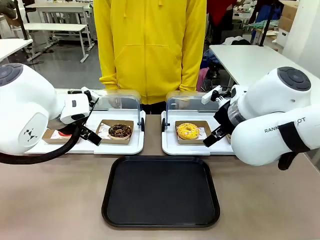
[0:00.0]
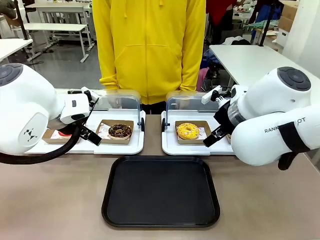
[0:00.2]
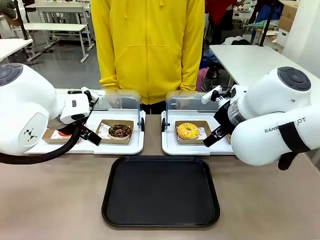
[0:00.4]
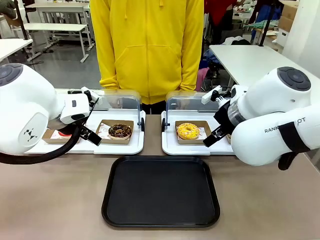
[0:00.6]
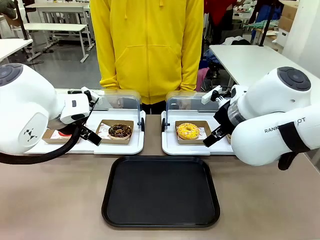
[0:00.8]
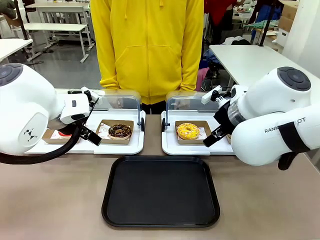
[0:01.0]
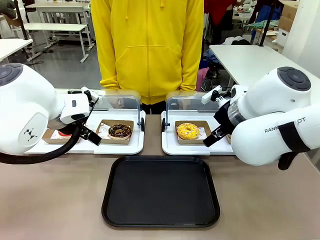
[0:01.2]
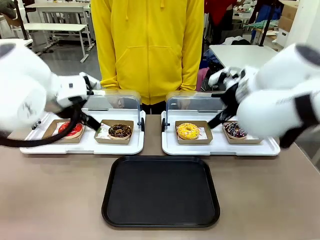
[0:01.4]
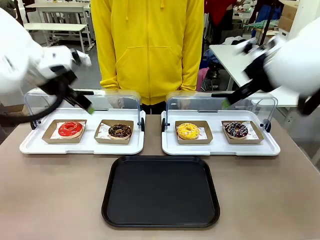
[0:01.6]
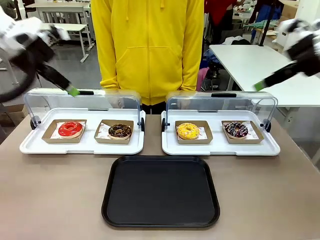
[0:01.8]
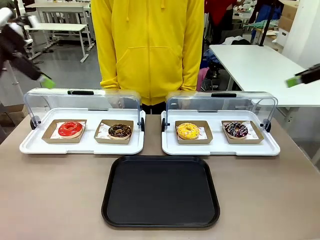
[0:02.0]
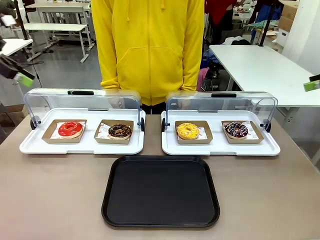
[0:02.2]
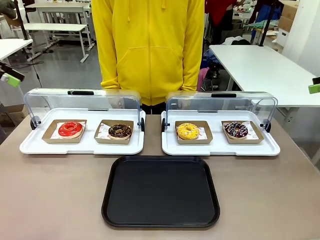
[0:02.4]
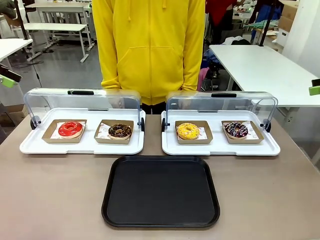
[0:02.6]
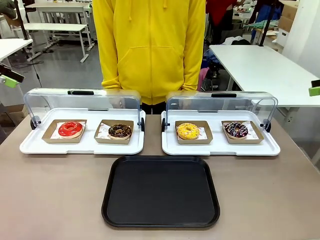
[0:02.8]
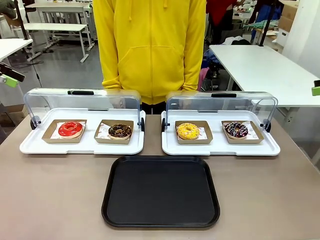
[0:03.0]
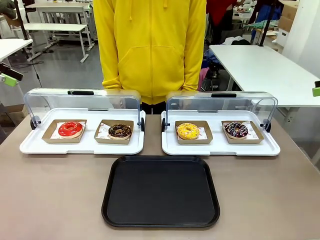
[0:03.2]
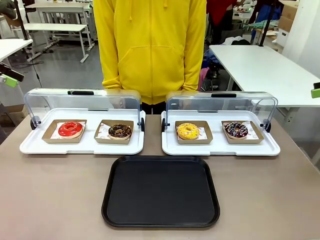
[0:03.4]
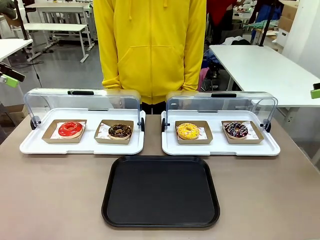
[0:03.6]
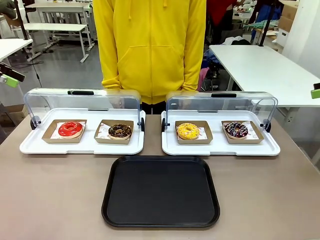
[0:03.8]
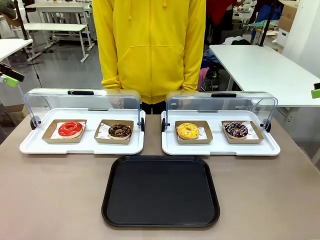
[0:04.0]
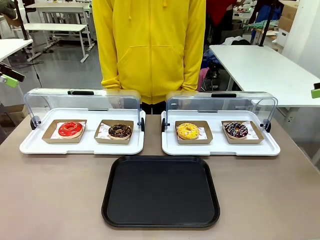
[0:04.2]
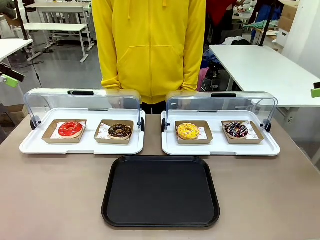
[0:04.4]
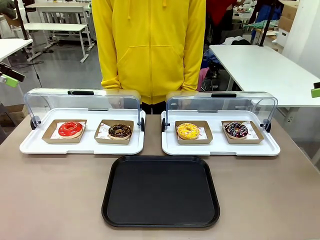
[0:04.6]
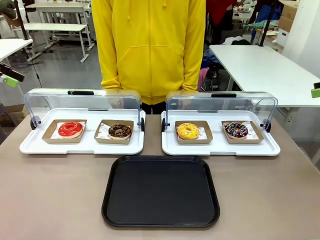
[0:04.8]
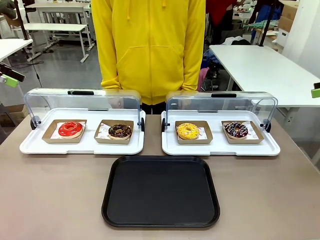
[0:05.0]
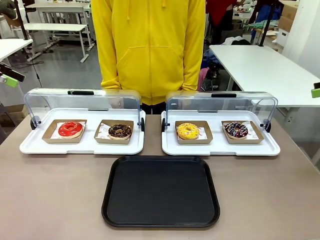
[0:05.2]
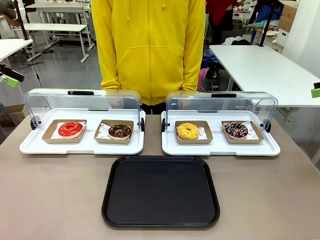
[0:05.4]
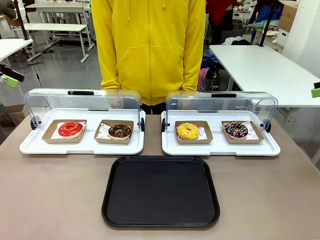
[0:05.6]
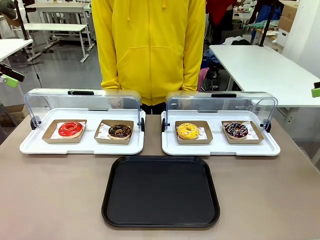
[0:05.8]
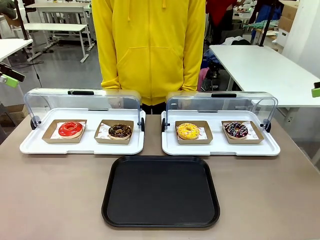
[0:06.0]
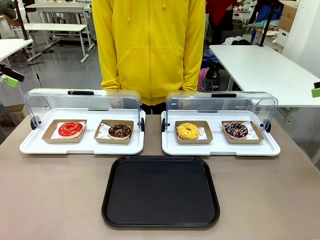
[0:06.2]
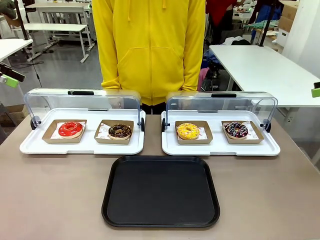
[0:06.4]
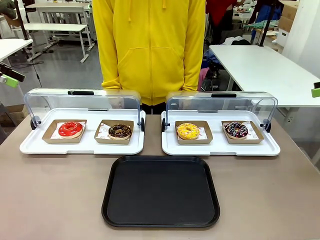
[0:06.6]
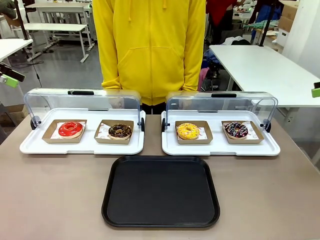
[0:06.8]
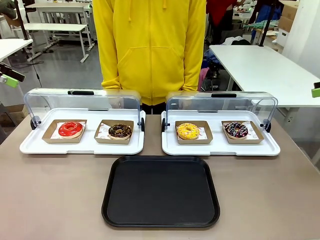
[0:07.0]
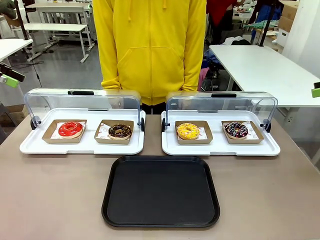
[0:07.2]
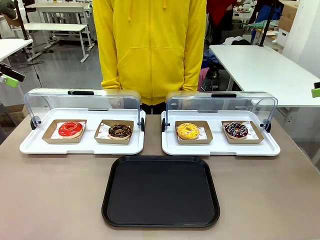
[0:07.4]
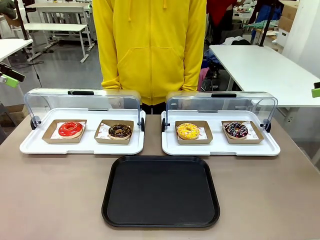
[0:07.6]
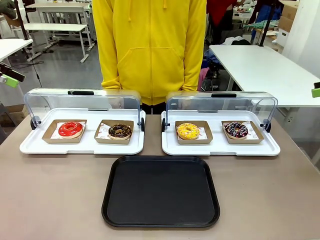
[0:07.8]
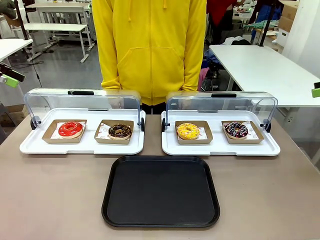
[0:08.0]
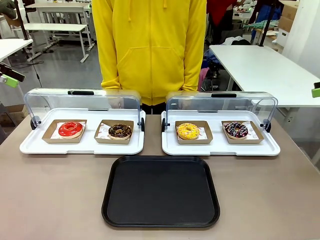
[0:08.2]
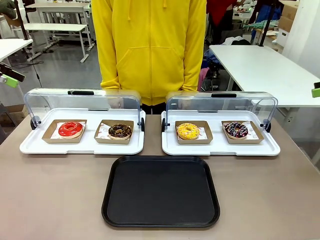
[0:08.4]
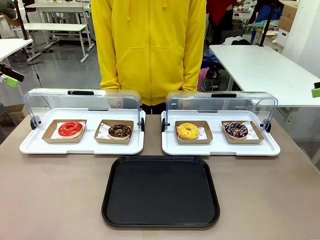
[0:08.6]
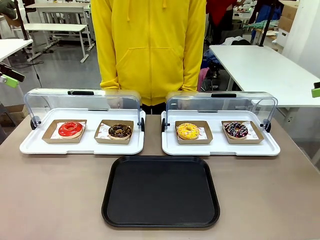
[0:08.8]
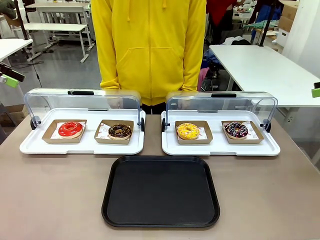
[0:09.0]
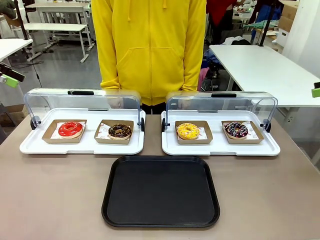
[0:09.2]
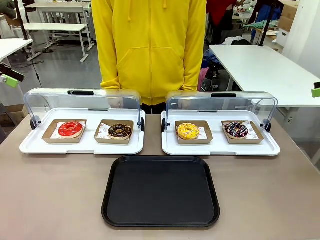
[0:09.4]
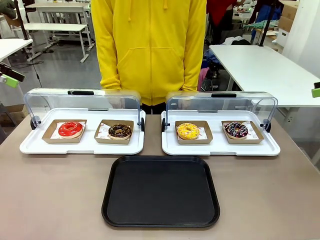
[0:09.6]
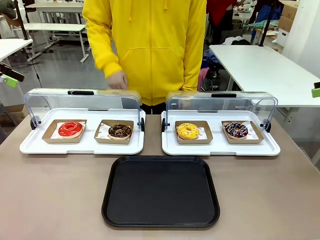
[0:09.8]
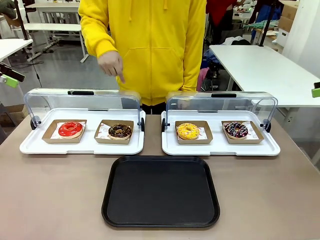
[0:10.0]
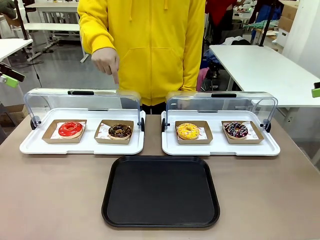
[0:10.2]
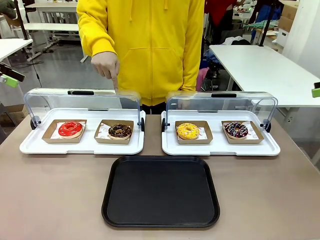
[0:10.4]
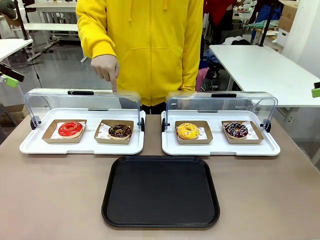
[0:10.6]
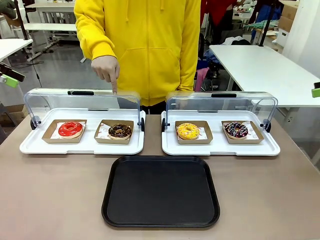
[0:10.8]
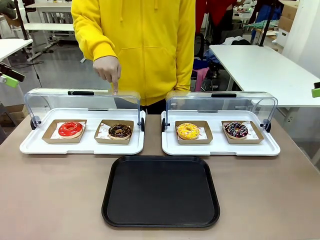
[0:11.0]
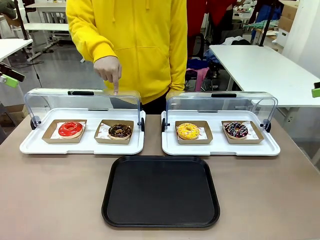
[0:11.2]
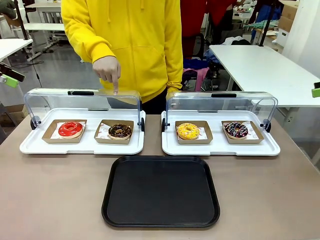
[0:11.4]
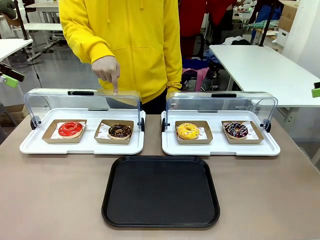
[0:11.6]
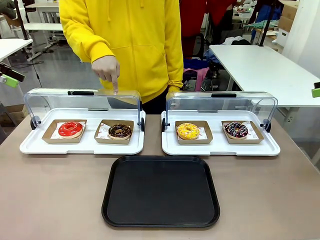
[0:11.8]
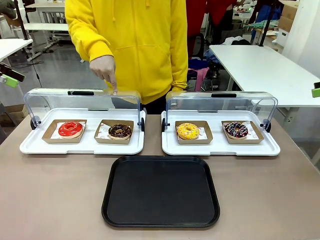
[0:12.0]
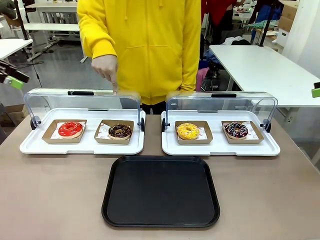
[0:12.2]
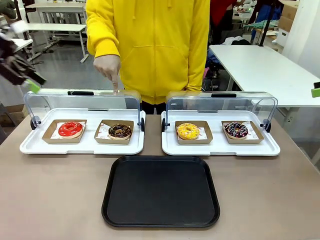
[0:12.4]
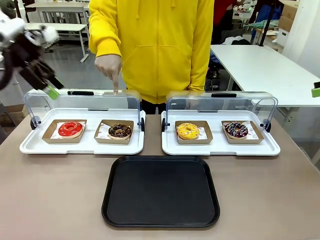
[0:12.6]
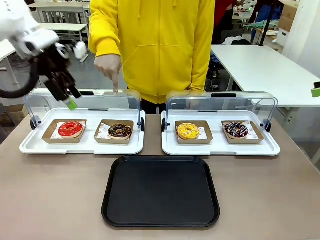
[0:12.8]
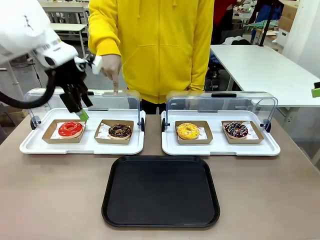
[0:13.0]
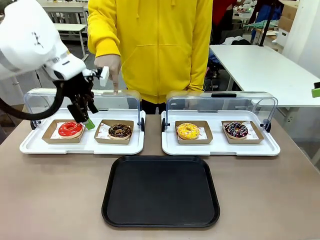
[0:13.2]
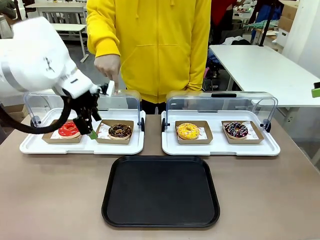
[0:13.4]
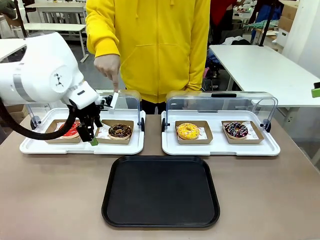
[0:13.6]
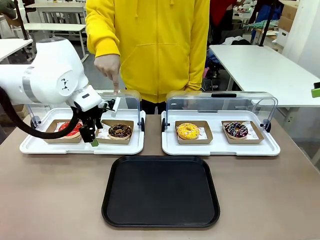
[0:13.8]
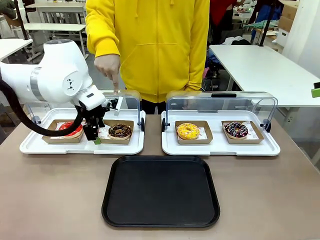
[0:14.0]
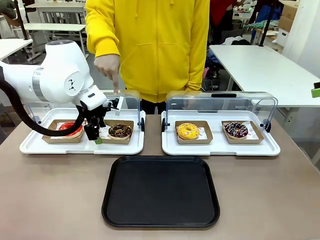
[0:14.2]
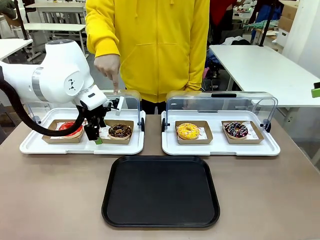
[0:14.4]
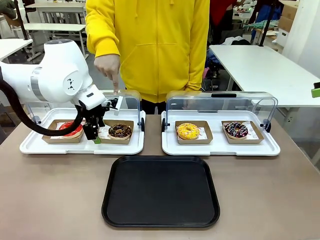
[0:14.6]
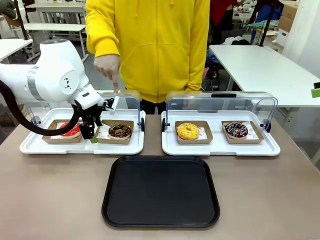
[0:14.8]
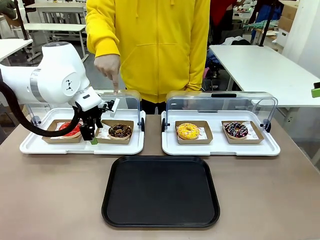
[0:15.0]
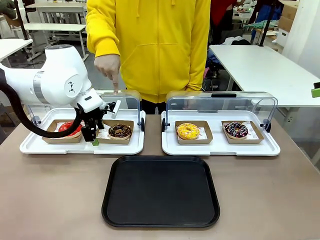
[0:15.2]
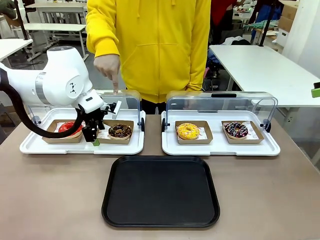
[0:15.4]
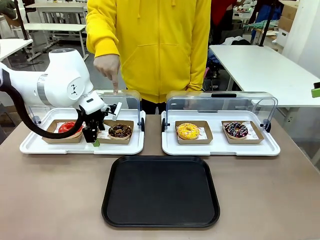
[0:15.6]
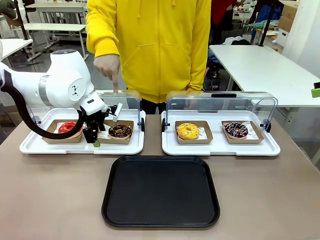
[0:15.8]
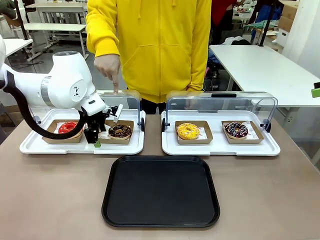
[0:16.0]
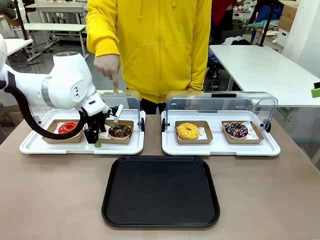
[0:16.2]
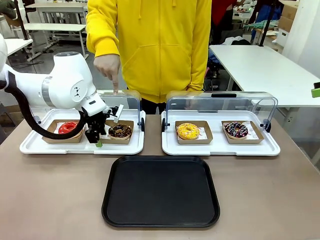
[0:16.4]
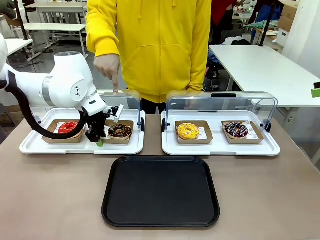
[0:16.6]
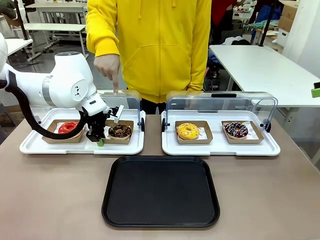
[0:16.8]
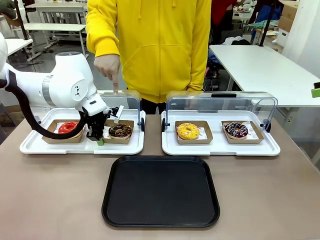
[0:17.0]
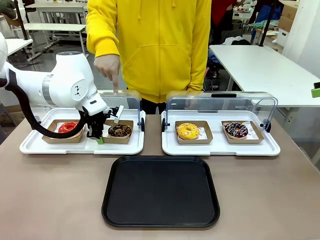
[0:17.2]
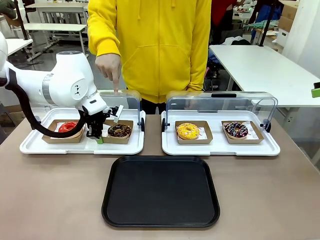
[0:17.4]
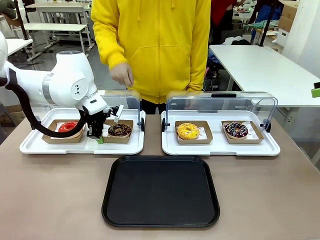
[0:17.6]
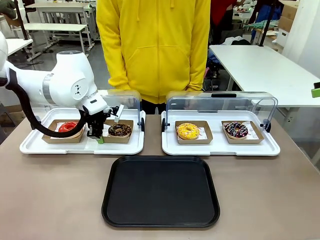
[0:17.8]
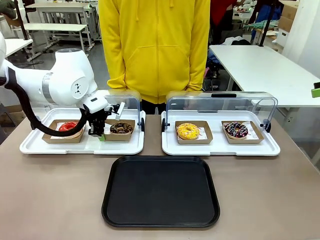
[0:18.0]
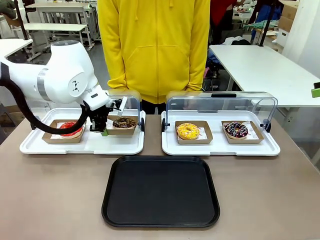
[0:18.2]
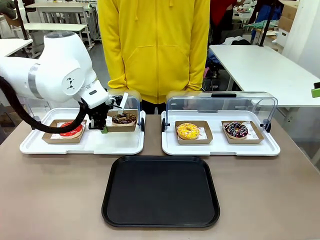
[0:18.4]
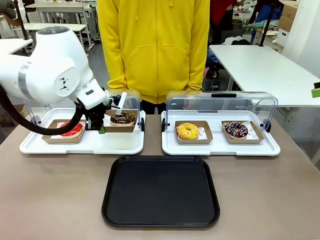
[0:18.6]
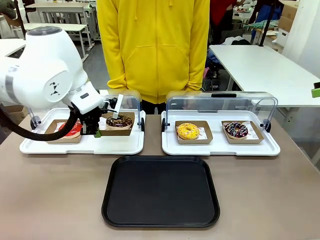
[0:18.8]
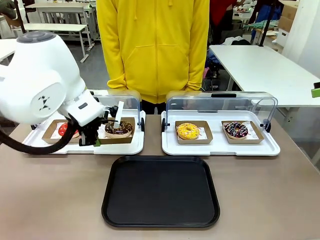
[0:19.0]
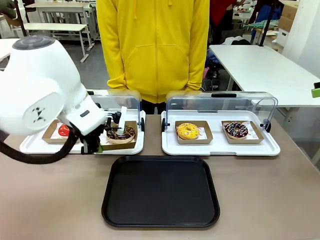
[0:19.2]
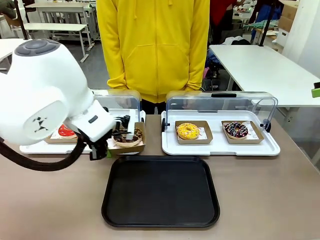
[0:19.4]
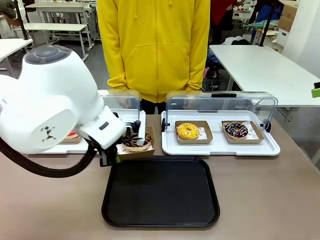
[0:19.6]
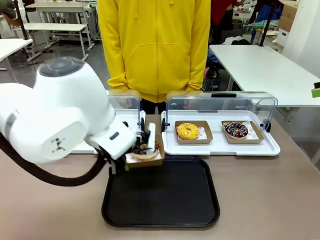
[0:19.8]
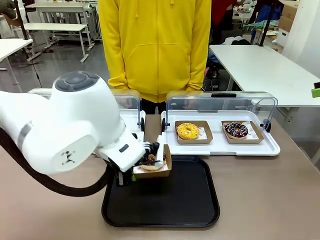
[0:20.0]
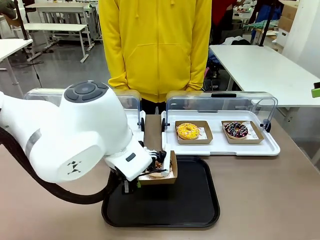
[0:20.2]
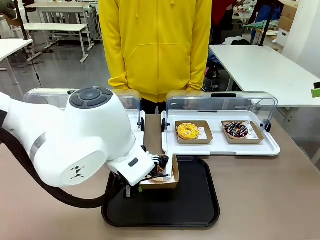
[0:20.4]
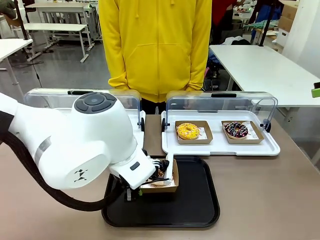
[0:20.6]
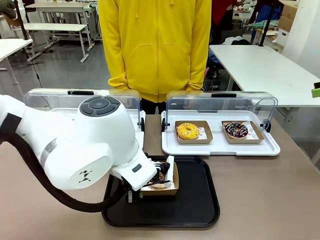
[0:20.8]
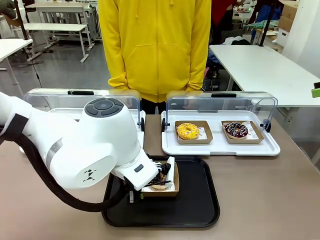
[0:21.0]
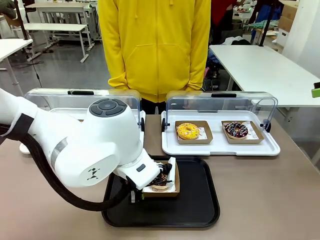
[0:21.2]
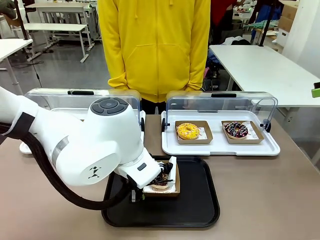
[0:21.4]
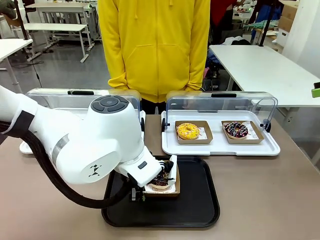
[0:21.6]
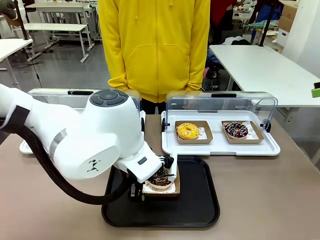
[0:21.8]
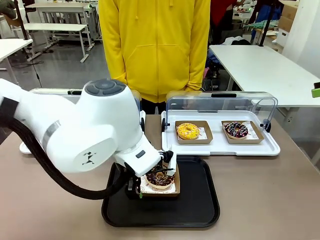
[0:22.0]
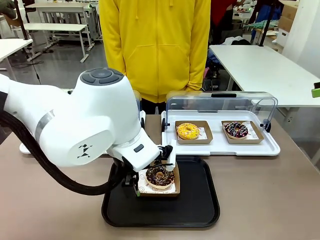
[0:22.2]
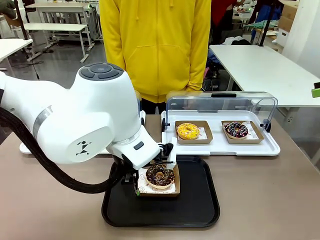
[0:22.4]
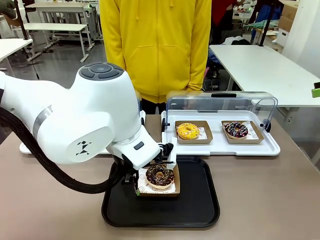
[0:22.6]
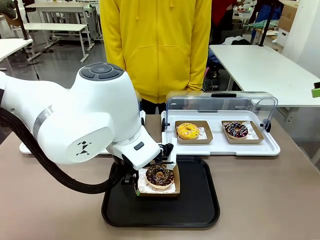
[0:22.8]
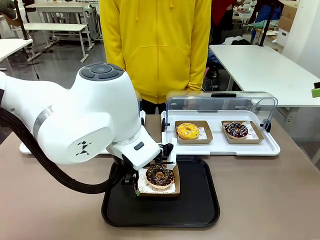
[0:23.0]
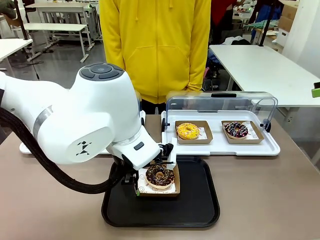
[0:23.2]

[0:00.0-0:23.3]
Task: Move the second donut from the left to the tray.
Robot: Pick up the Paper togo box containing the Donut indicated by the person and place it on the Handle tray.
Person: Points to the second donut from the left from the robot’s perspective.
